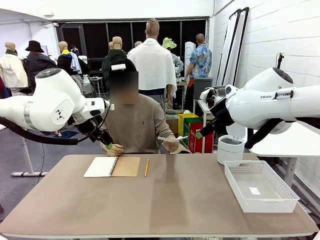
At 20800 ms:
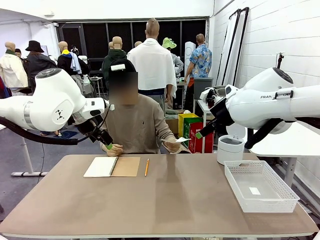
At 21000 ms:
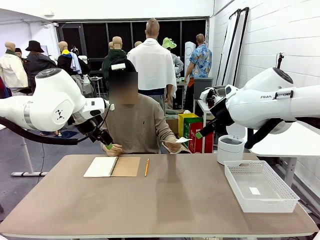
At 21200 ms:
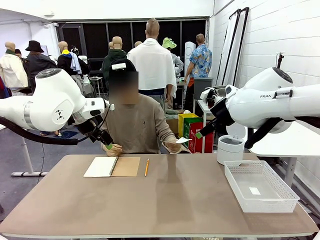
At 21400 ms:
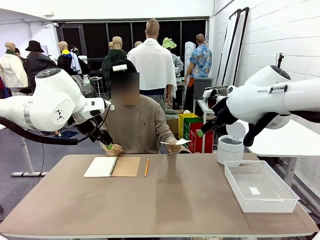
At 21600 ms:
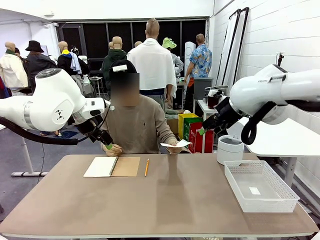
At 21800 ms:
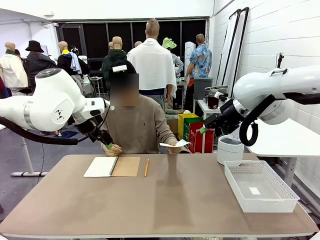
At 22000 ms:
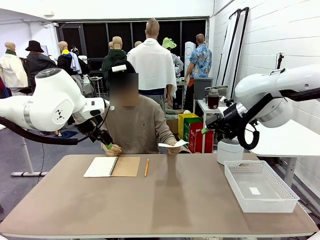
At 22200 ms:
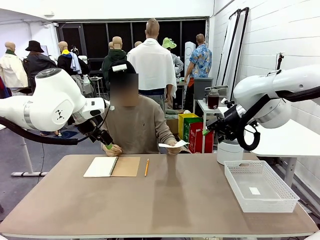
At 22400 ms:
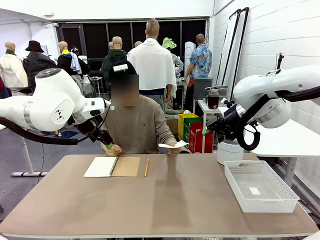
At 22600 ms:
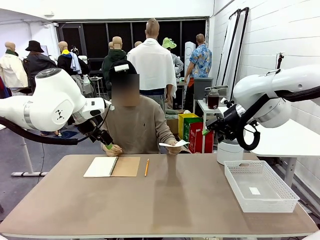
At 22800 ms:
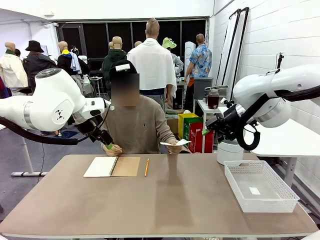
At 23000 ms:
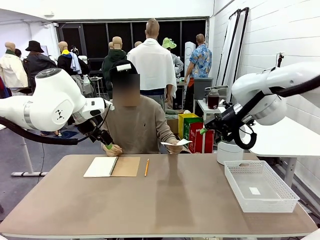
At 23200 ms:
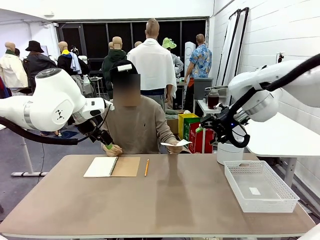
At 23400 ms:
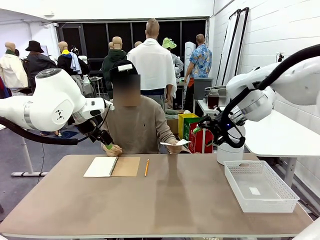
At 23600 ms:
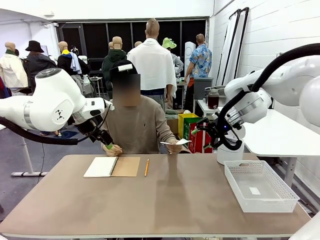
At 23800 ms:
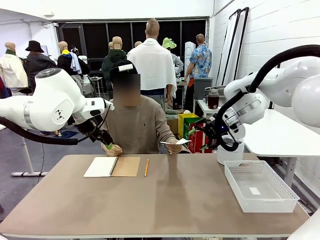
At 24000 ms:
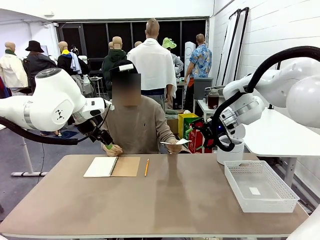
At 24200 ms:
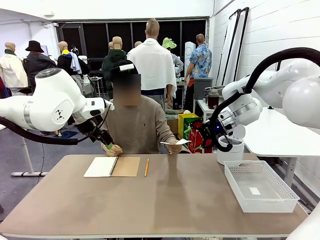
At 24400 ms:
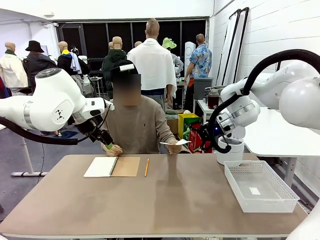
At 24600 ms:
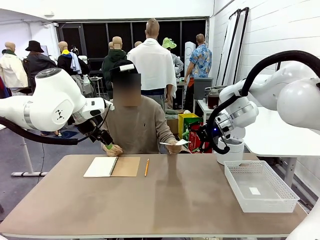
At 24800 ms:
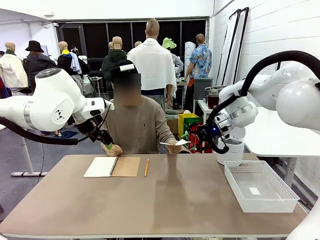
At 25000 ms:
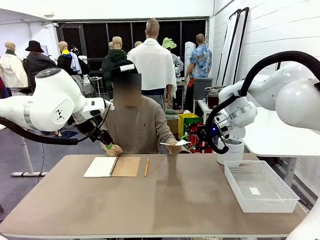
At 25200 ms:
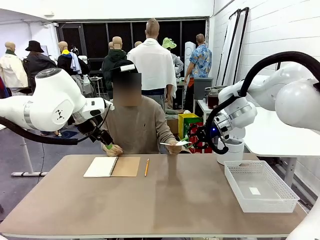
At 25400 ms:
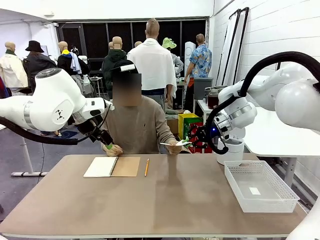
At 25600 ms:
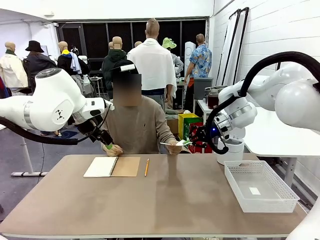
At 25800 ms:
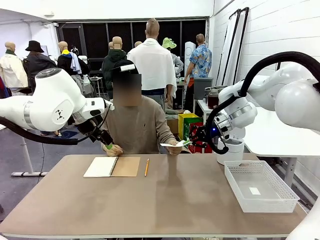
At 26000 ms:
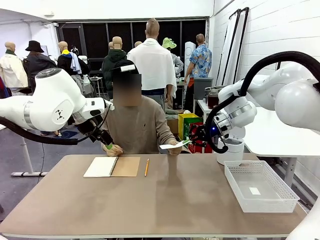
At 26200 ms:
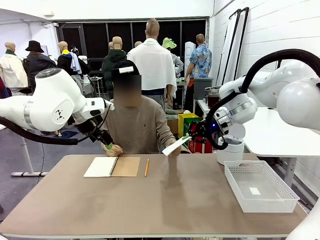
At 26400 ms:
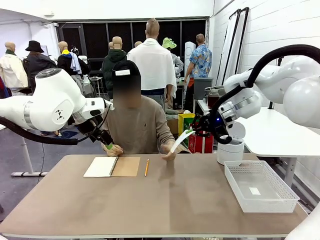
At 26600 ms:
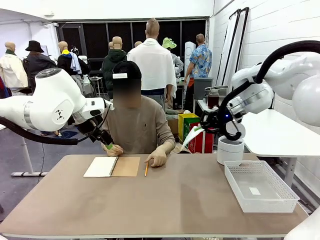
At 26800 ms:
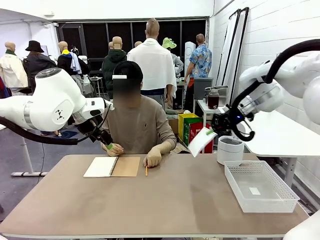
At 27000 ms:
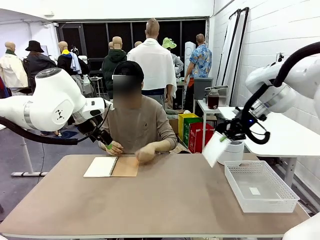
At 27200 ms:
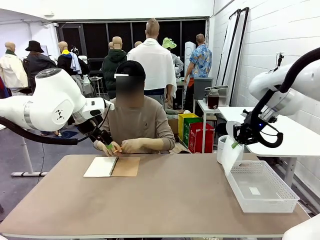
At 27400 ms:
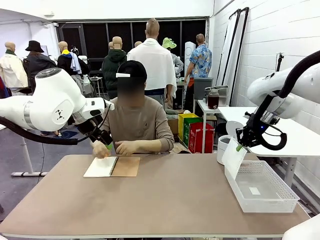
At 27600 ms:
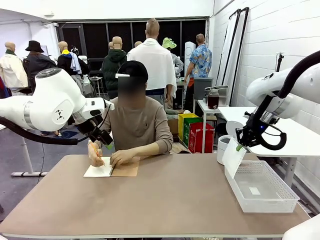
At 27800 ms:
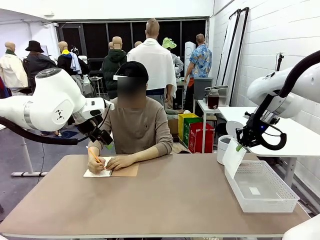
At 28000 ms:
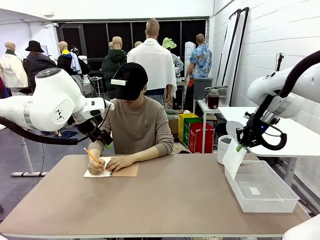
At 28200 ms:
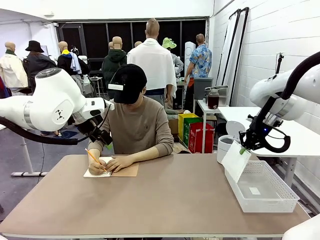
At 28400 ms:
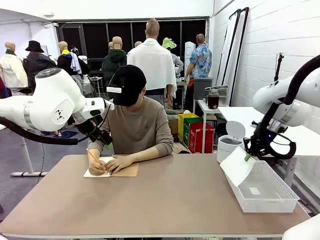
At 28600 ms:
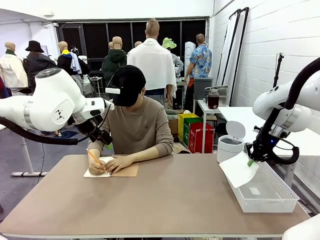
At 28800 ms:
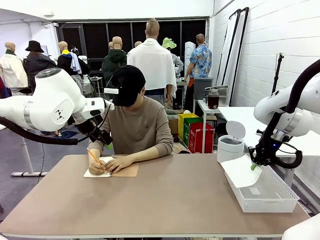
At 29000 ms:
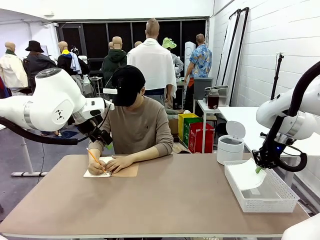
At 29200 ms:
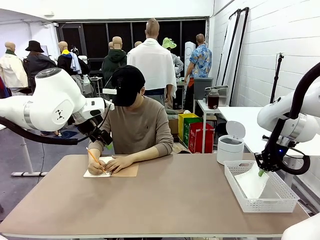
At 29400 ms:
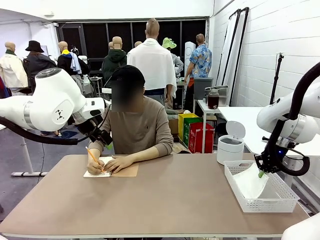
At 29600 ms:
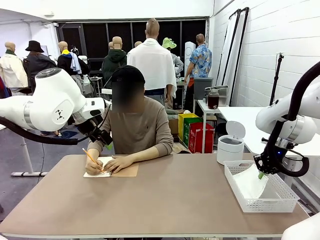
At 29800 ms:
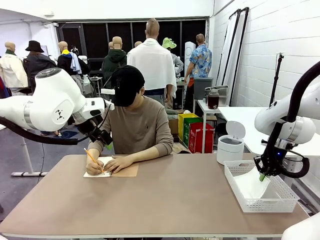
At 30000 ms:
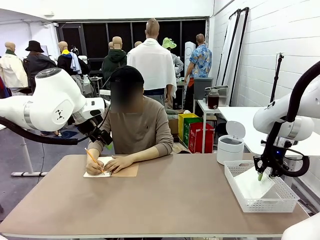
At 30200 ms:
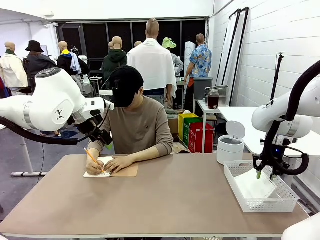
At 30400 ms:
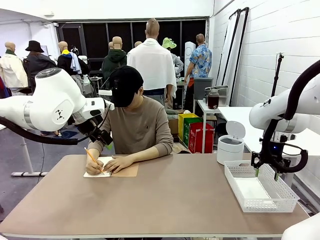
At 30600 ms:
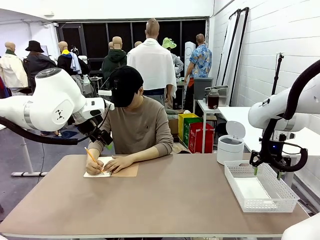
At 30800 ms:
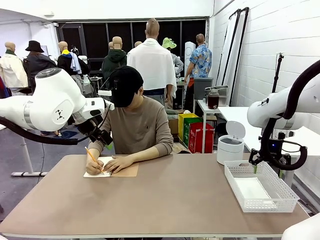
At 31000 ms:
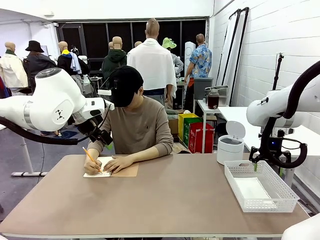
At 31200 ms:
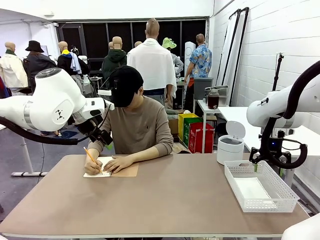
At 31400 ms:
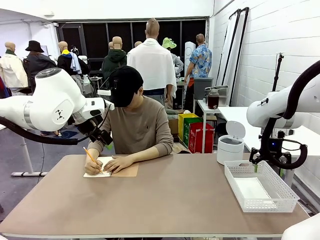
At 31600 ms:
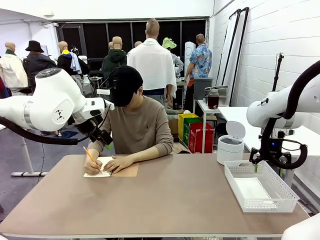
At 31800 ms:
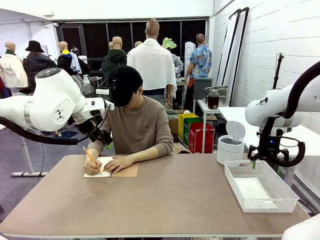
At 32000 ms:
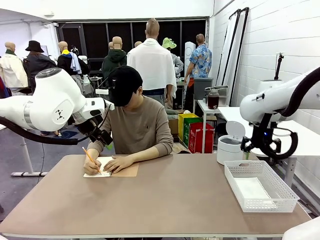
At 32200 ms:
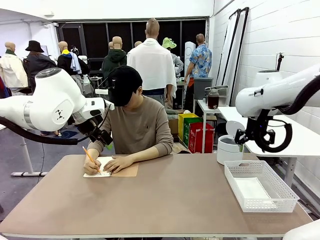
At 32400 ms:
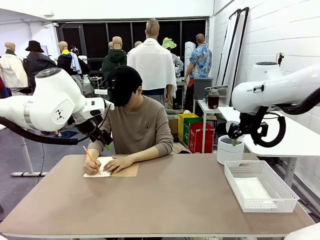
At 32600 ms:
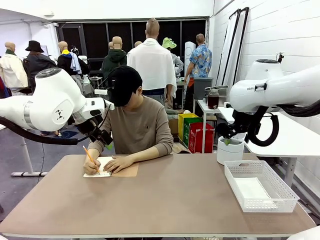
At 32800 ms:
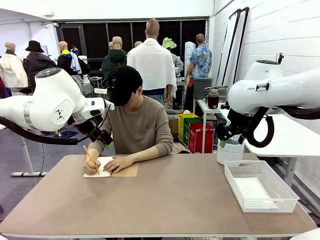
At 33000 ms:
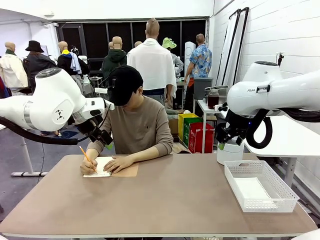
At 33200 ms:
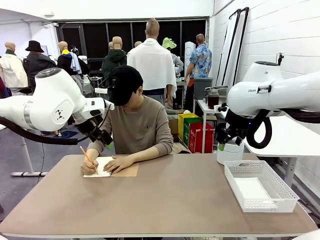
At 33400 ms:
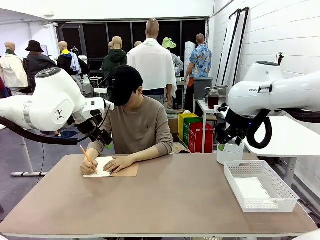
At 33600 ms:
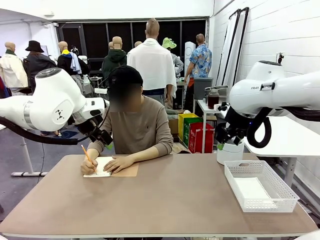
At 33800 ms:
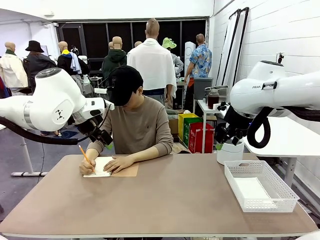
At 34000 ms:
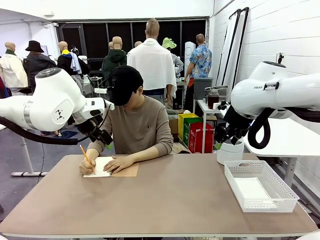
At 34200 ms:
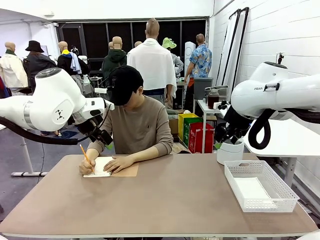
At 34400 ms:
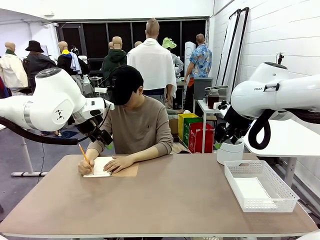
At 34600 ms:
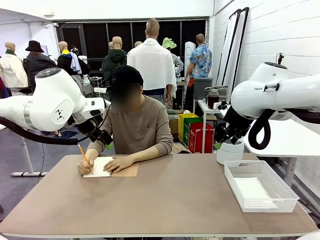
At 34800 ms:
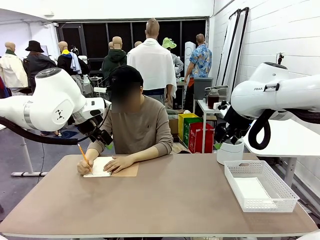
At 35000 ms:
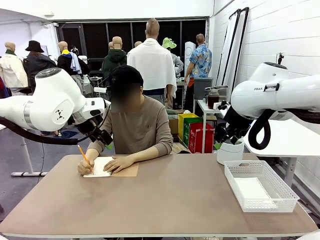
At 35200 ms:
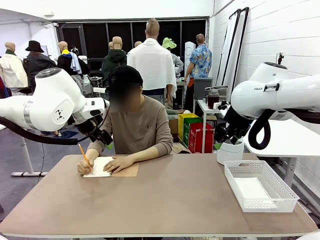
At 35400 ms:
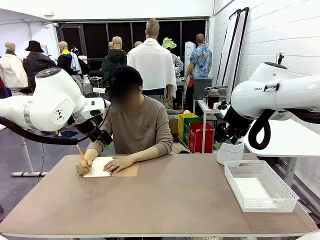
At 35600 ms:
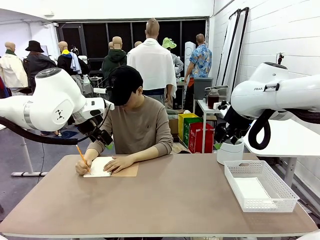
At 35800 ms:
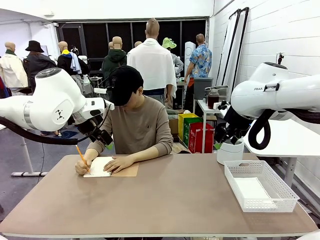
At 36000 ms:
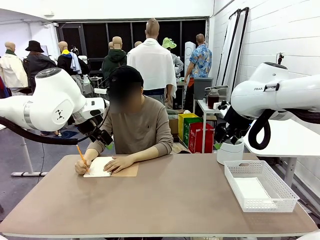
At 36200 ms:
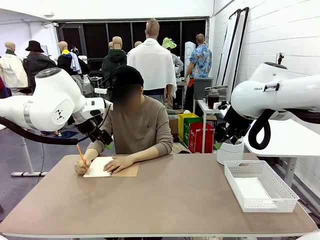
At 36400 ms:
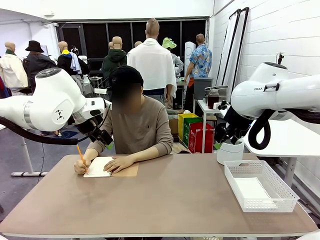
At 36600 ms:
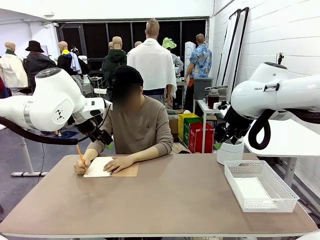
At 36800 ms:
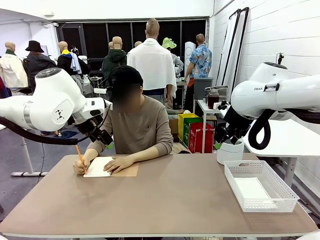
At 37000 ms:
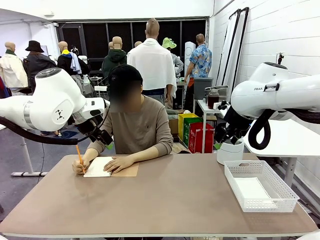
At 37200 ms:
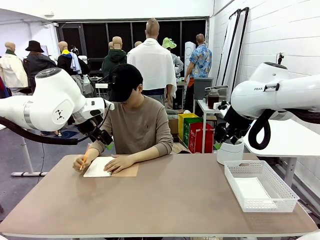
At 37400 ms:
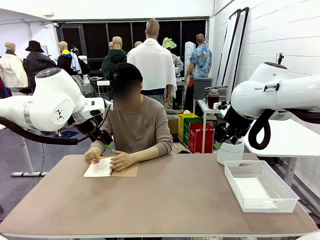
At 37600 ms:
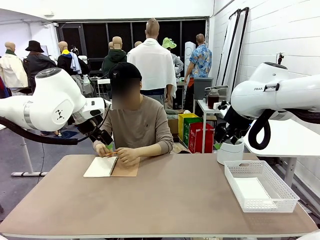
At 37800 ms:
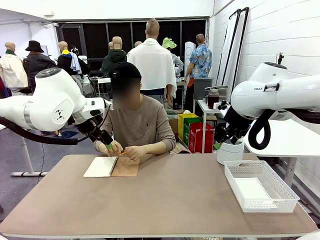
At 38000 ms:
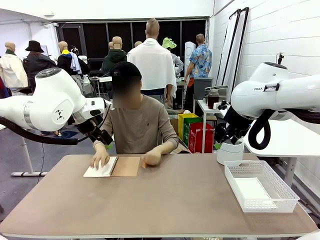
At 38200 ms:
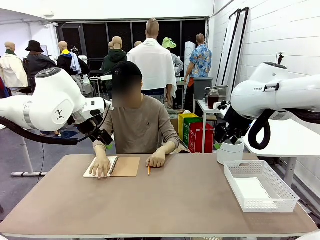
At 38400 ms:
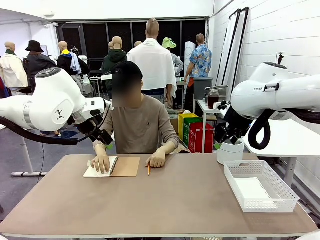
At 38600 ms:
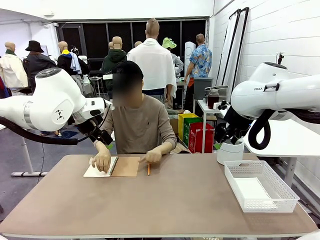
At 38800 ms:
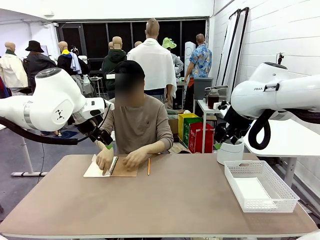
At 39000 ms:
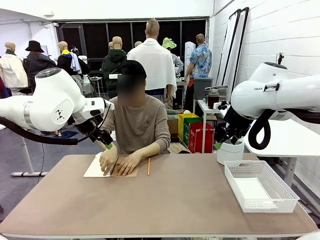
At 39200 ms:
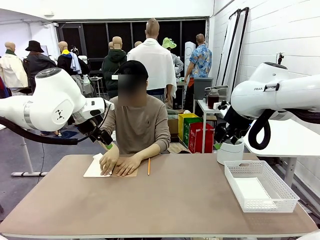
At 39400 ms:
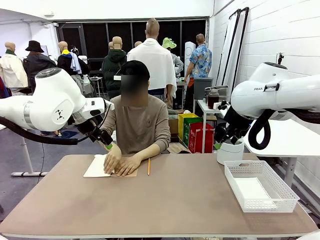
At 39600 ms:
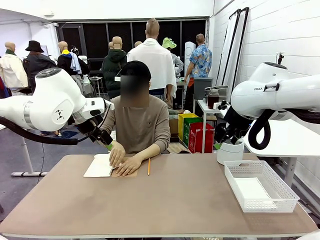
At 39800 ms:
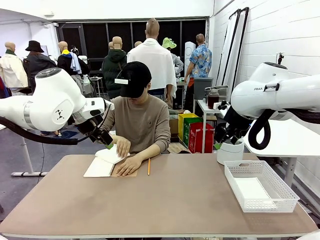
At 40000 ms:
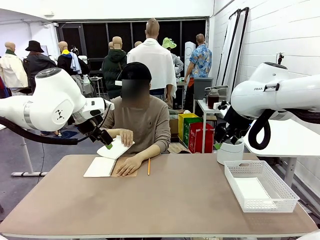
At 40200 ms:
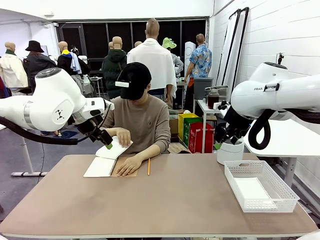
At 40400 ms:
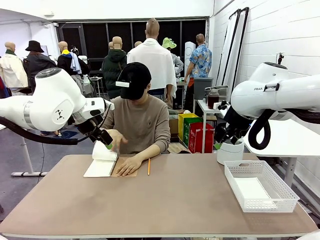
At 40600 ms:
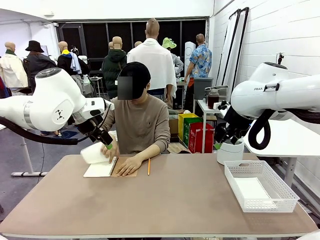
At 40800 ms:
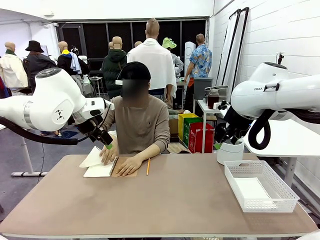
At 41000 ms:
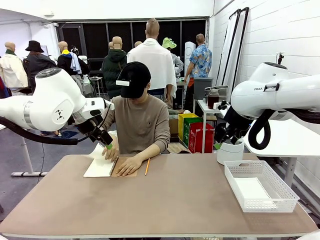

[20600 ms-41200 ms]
Task: Sort the paper based on its condition.
Robot: If a person hands you a paper, place it in the Organizing basket , and if it's crumpled, put it in the Trash can.
Person: Tear out a page from the spiral notebook.
